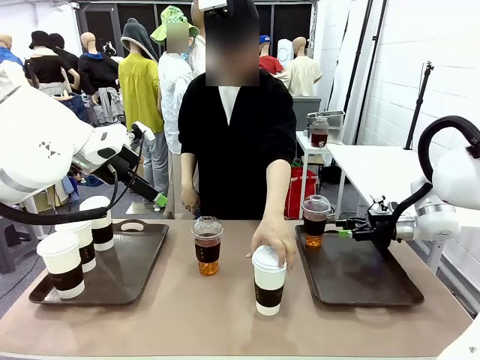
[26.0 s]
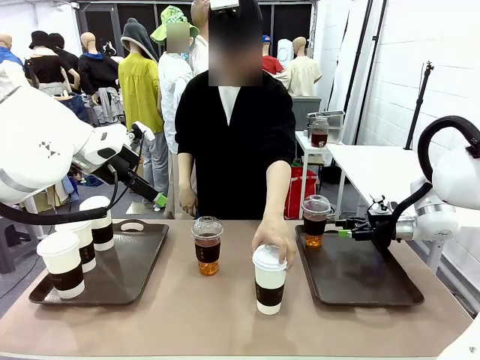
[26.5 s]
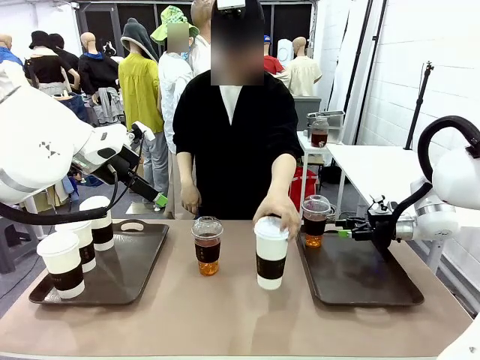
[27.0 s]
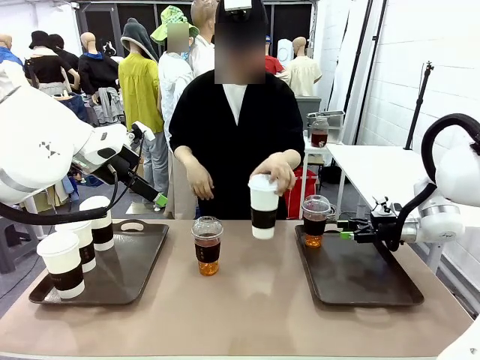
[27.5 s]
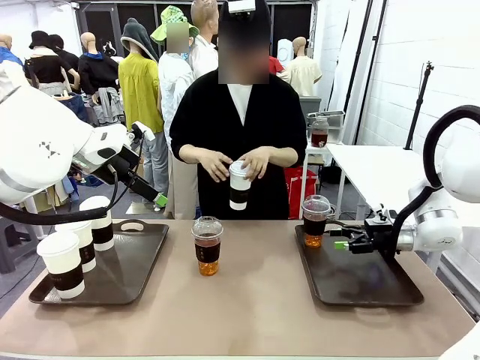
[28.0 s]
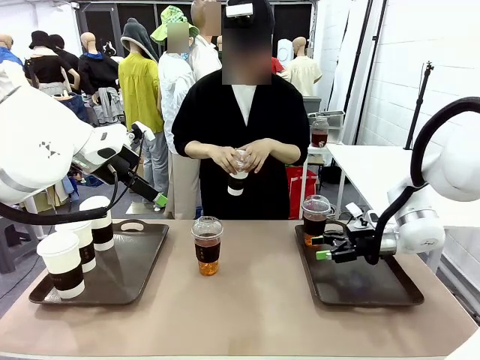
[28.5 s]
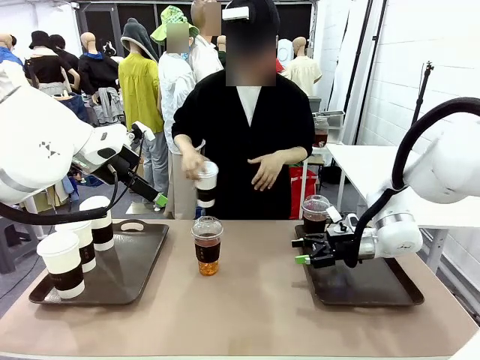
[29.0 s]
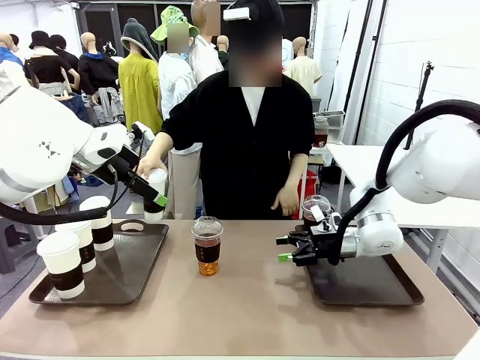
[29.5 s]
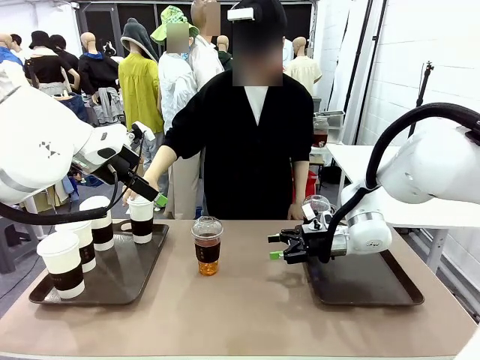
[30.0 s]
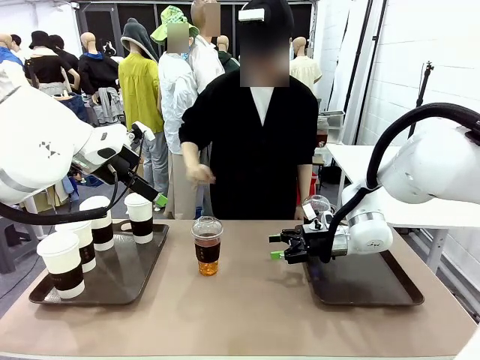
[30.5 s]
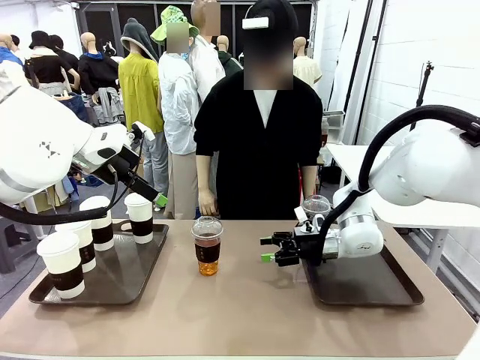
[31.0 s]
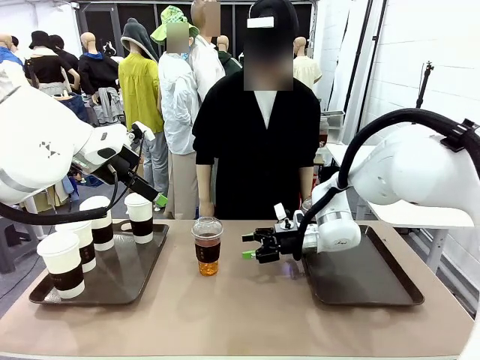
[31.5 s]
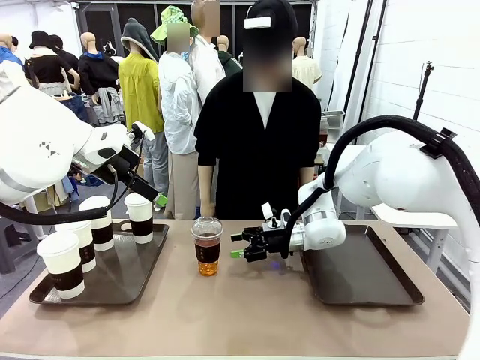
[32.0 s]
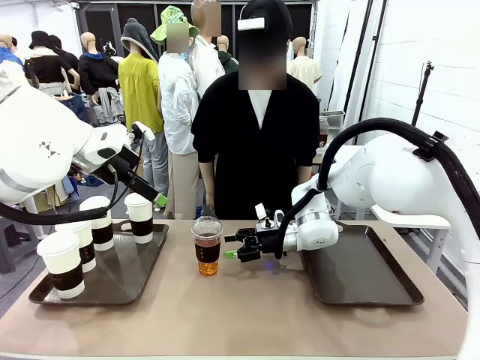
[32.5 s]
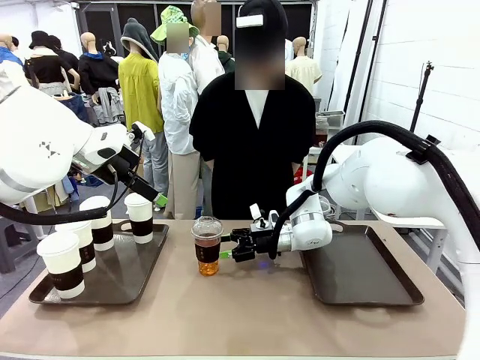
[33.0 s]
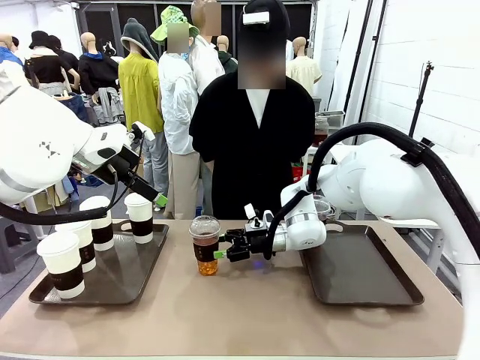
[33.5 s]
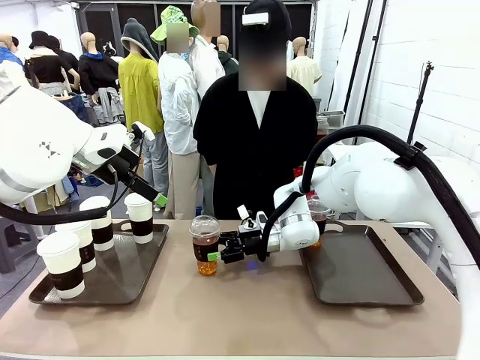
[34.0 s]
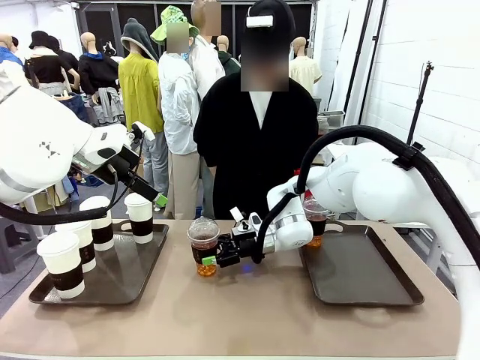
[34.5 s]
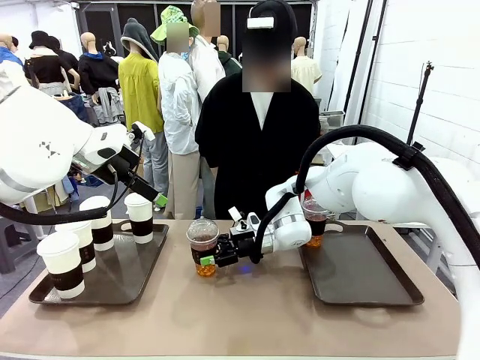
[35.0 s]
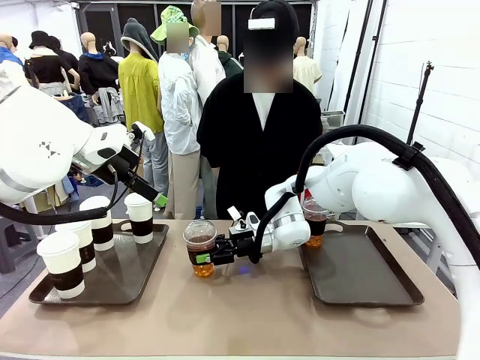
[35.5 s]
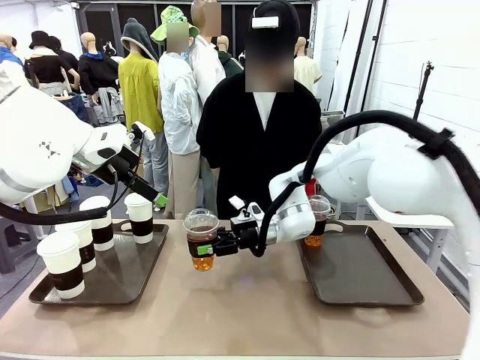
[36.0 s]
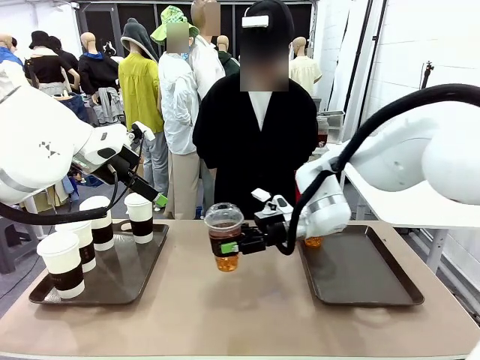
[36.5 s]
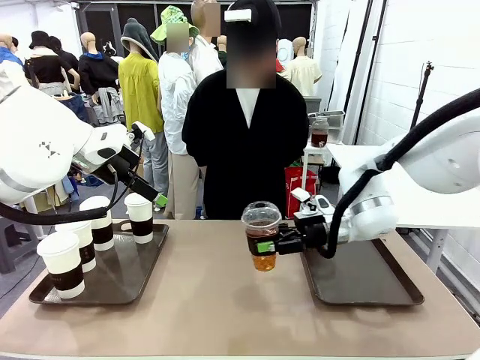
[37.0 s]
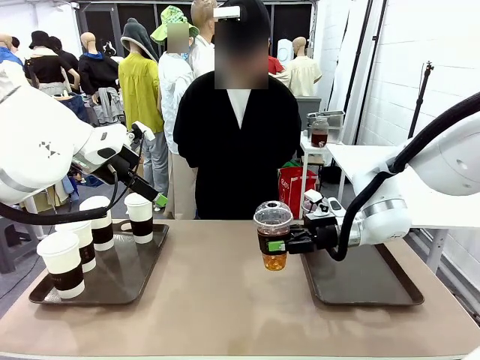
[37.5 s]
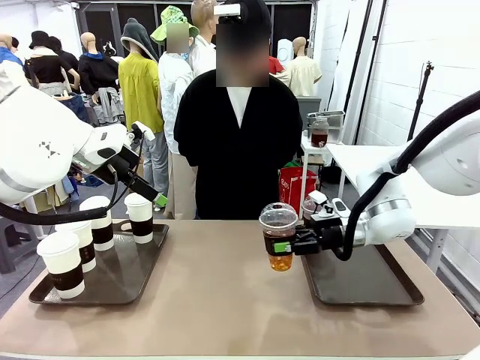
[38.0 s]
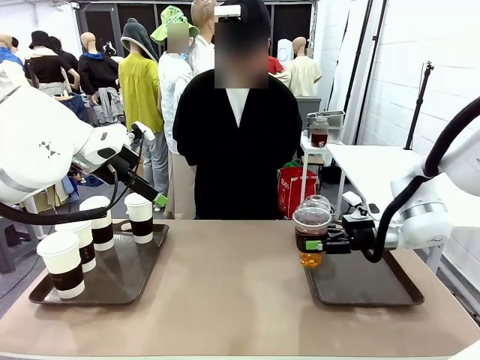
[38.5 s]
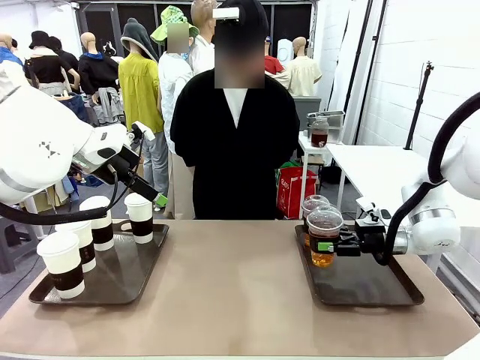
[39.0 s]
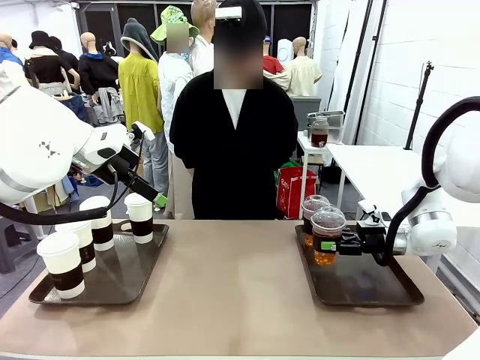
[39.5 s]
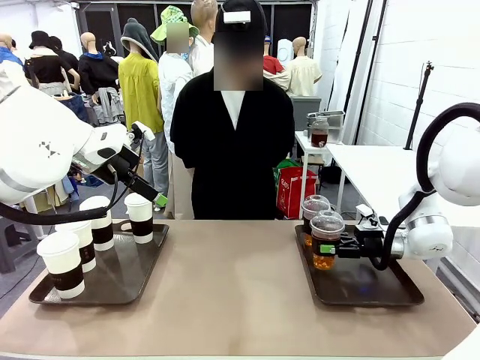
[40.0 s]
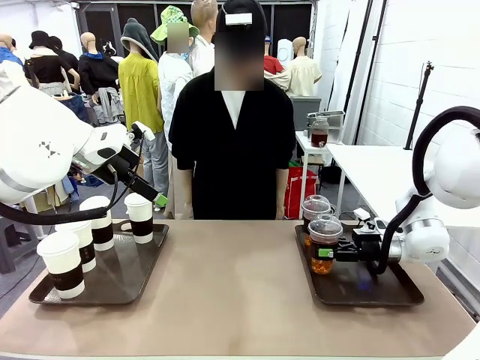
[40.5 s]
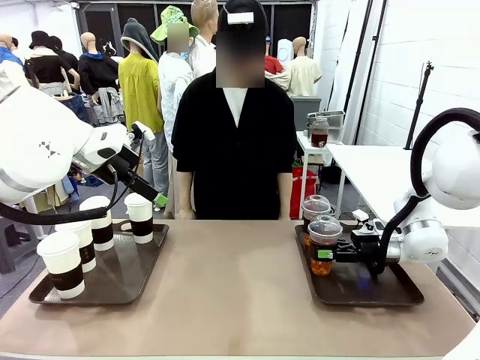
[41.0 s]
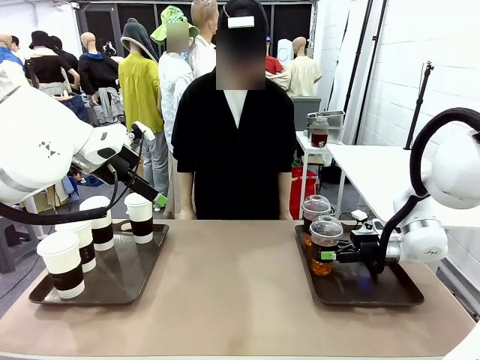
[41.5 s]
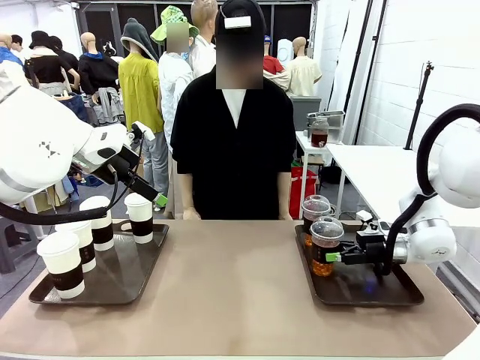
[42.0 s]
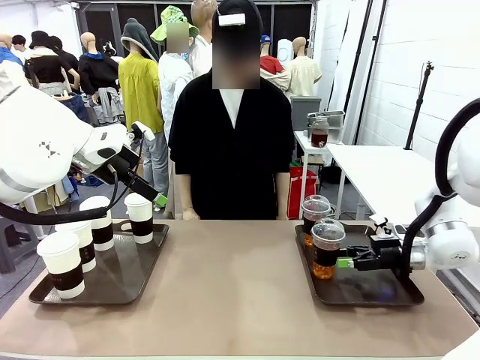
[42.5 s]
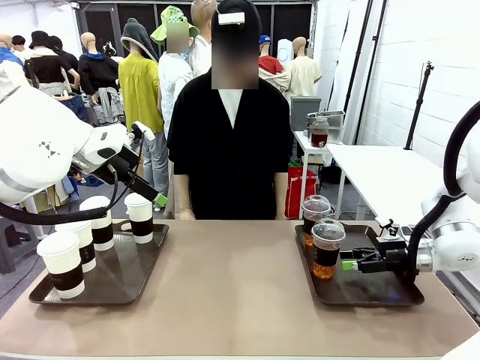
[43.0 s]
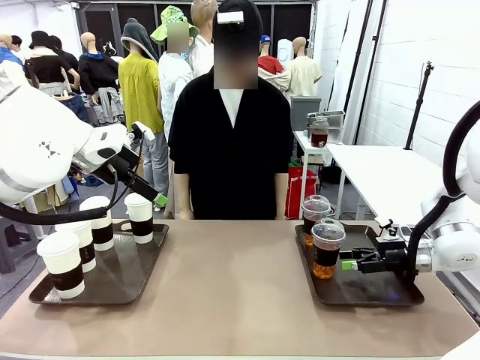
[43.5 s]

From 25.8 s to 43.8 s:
Task: Distribute the coffee onto the tray.
Robot: Pick up another iced Americano from the middle of the table and place it on the right Handle tray.
Person: Pick up a cup of hot Americano from the middle of the table and place it on the right tray.
